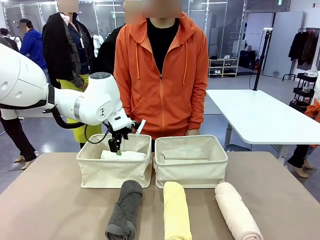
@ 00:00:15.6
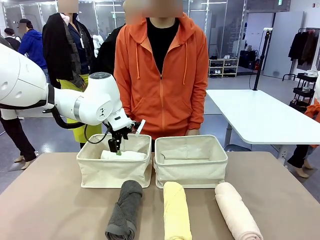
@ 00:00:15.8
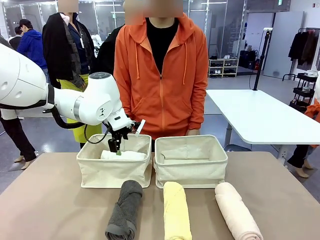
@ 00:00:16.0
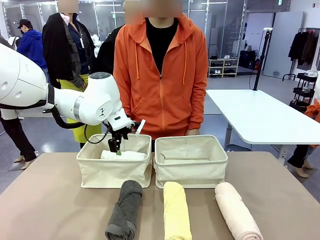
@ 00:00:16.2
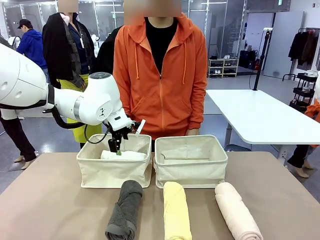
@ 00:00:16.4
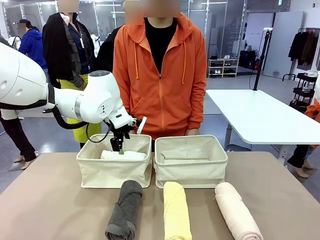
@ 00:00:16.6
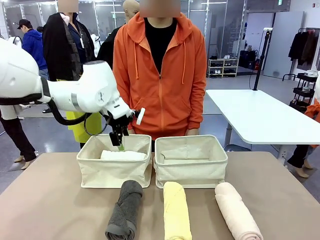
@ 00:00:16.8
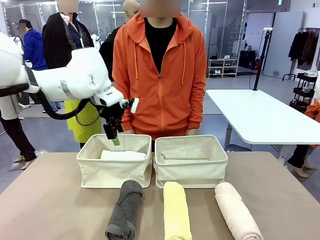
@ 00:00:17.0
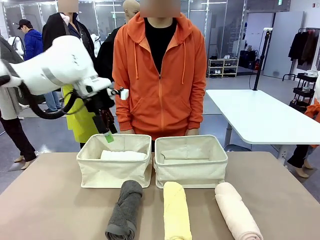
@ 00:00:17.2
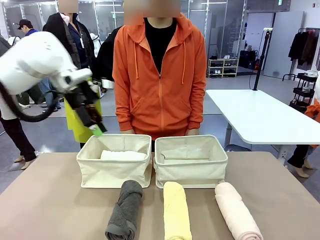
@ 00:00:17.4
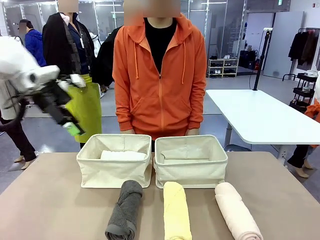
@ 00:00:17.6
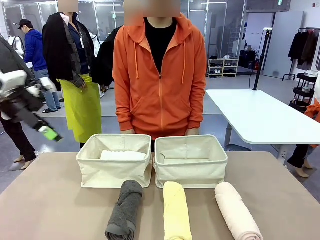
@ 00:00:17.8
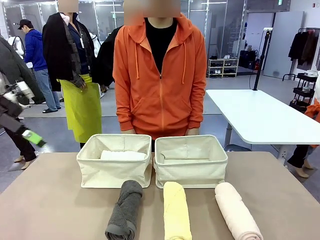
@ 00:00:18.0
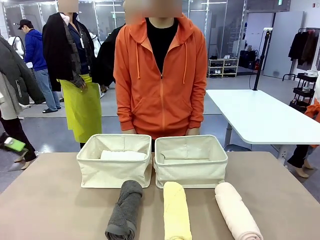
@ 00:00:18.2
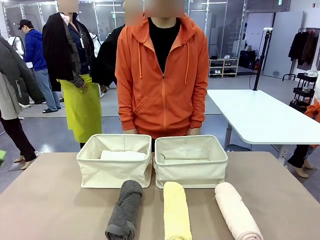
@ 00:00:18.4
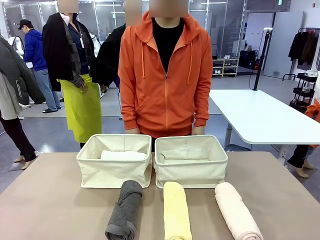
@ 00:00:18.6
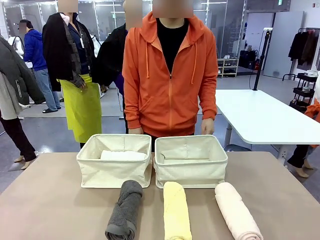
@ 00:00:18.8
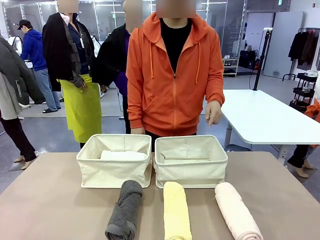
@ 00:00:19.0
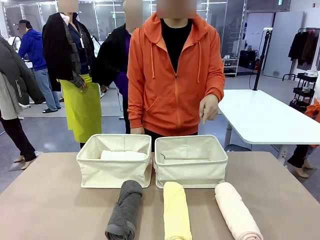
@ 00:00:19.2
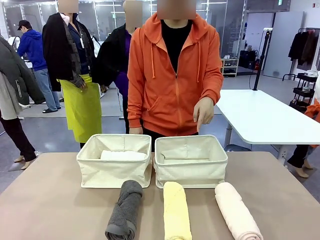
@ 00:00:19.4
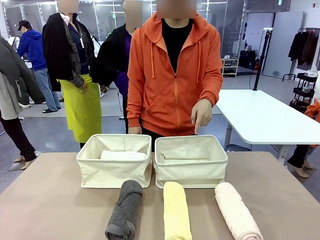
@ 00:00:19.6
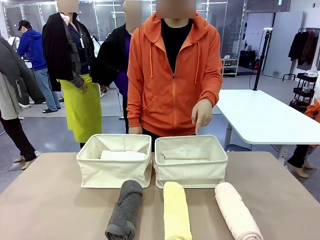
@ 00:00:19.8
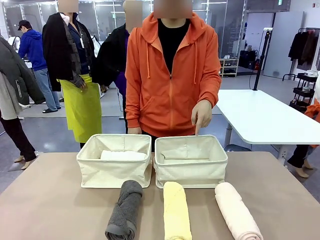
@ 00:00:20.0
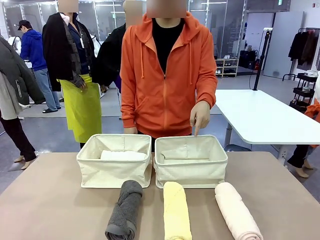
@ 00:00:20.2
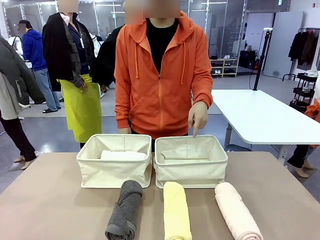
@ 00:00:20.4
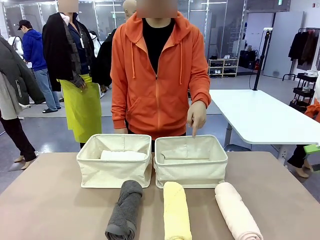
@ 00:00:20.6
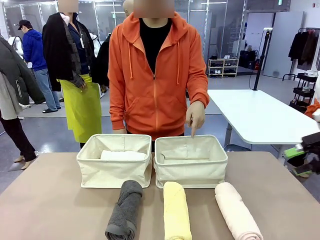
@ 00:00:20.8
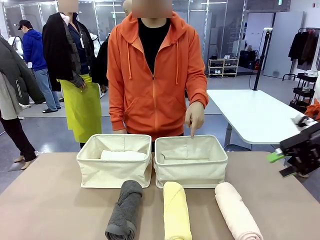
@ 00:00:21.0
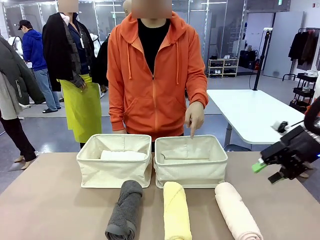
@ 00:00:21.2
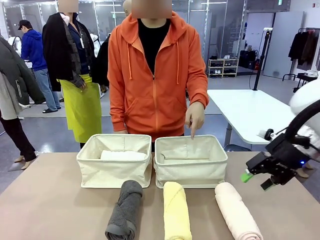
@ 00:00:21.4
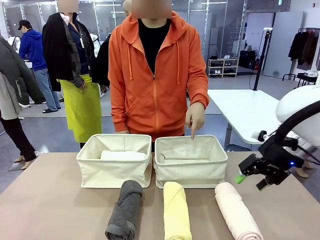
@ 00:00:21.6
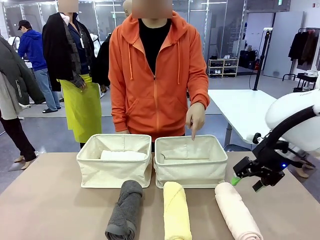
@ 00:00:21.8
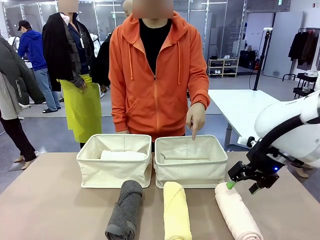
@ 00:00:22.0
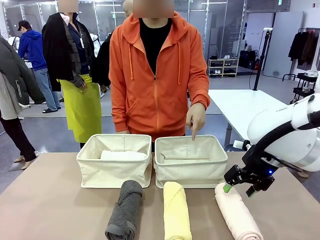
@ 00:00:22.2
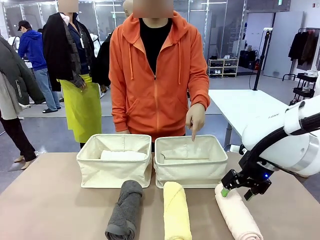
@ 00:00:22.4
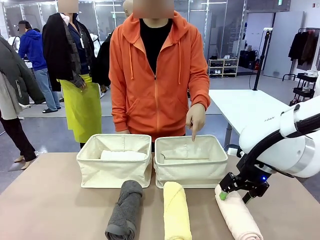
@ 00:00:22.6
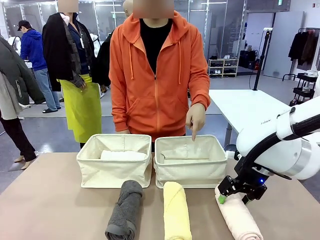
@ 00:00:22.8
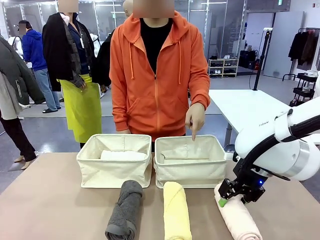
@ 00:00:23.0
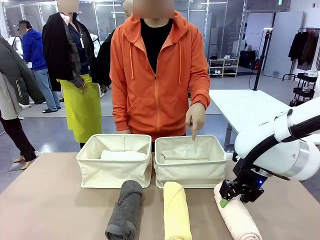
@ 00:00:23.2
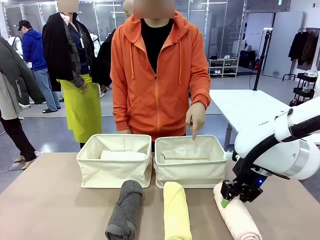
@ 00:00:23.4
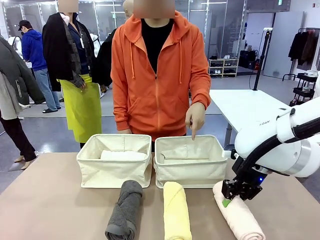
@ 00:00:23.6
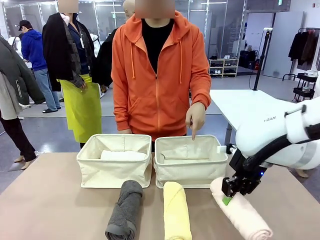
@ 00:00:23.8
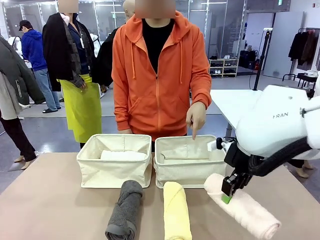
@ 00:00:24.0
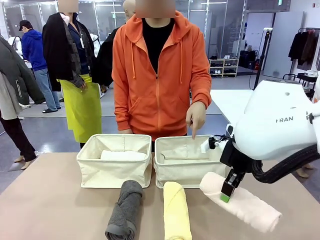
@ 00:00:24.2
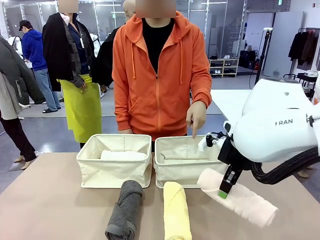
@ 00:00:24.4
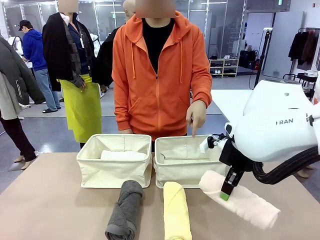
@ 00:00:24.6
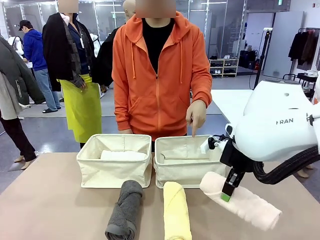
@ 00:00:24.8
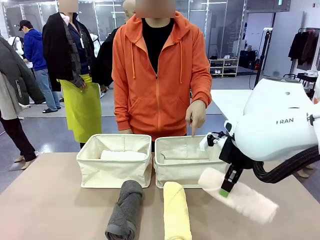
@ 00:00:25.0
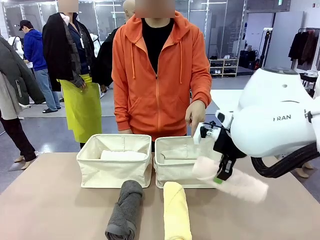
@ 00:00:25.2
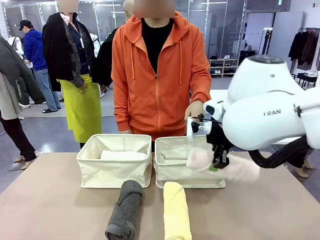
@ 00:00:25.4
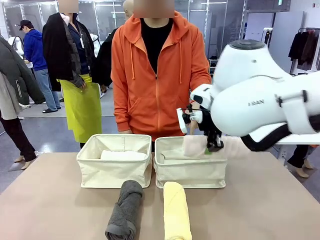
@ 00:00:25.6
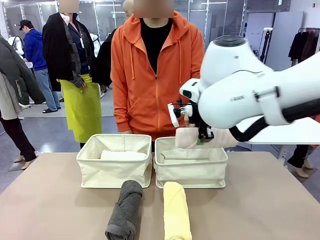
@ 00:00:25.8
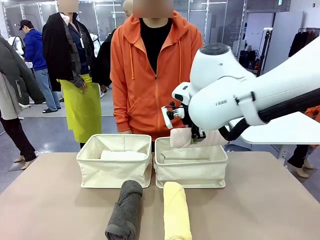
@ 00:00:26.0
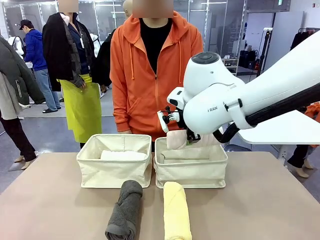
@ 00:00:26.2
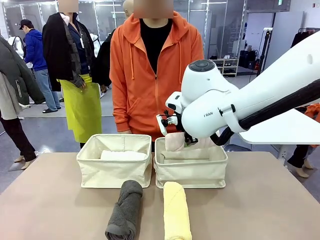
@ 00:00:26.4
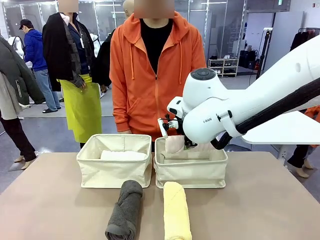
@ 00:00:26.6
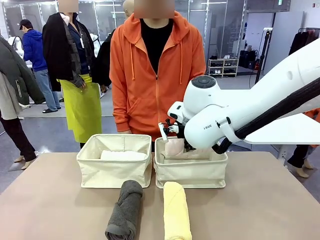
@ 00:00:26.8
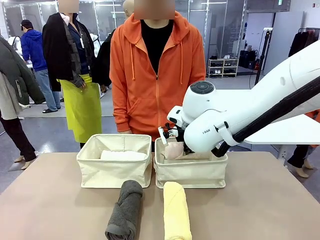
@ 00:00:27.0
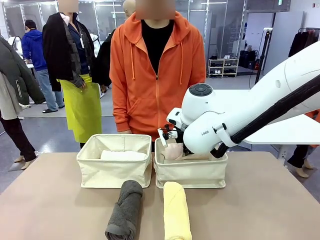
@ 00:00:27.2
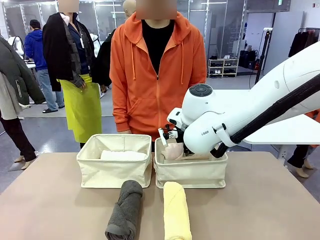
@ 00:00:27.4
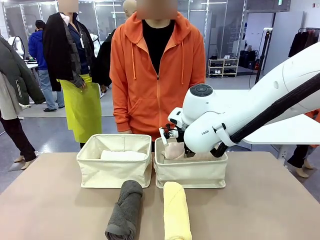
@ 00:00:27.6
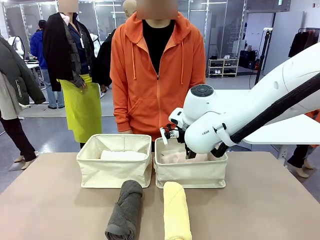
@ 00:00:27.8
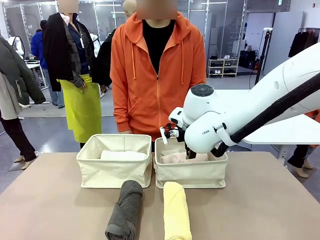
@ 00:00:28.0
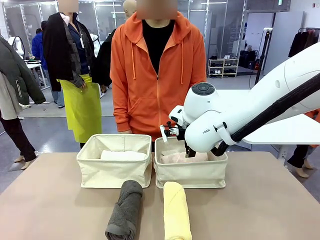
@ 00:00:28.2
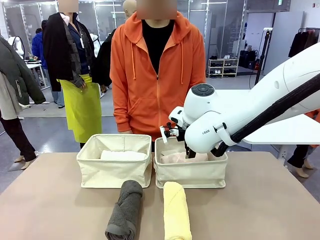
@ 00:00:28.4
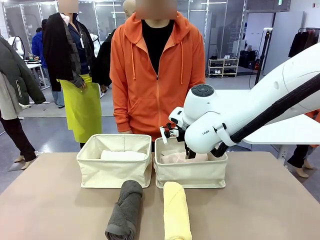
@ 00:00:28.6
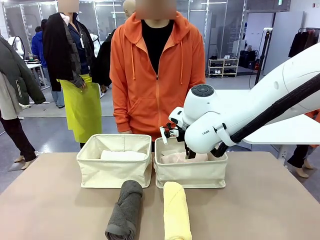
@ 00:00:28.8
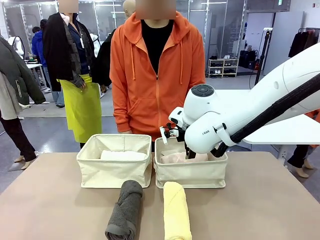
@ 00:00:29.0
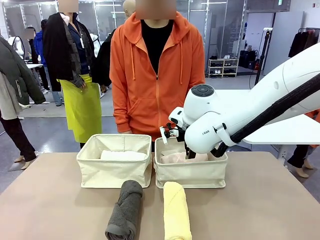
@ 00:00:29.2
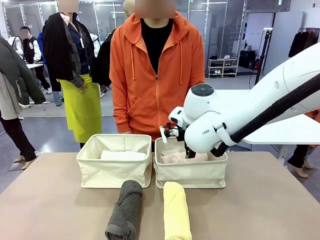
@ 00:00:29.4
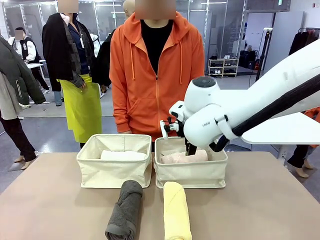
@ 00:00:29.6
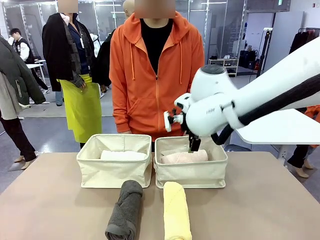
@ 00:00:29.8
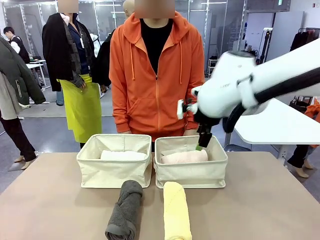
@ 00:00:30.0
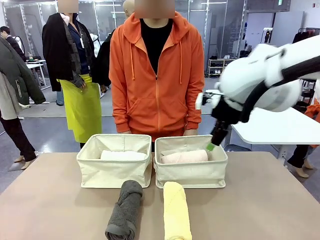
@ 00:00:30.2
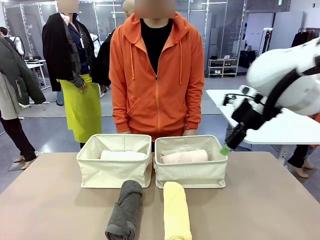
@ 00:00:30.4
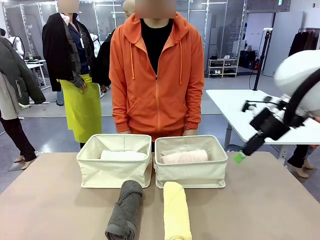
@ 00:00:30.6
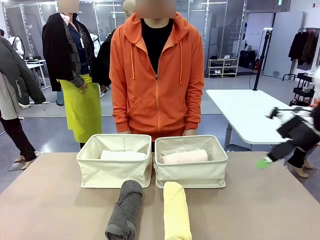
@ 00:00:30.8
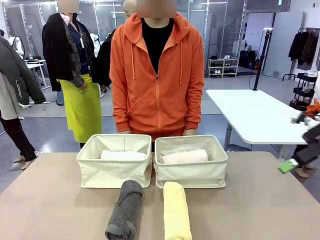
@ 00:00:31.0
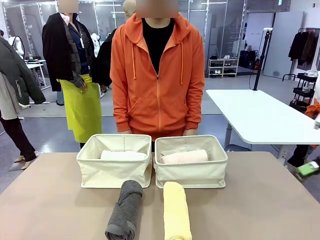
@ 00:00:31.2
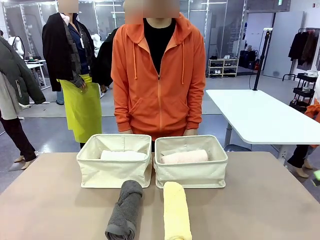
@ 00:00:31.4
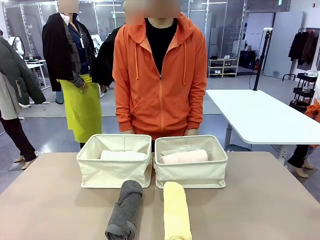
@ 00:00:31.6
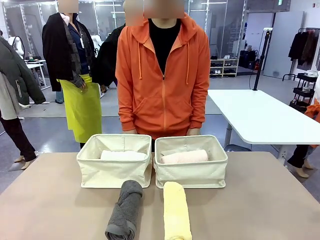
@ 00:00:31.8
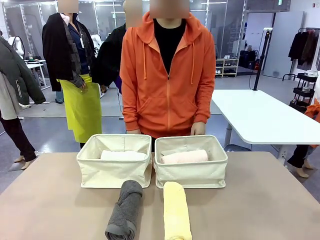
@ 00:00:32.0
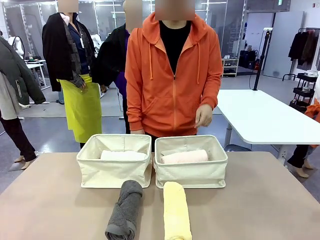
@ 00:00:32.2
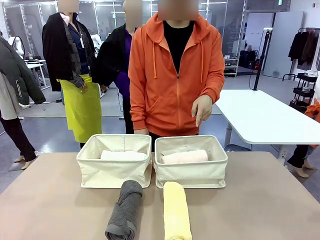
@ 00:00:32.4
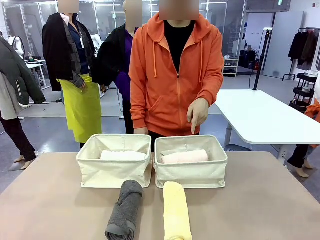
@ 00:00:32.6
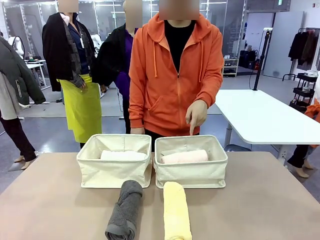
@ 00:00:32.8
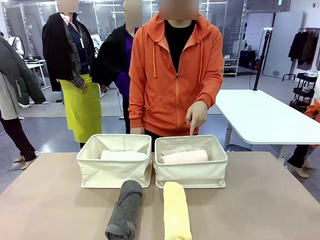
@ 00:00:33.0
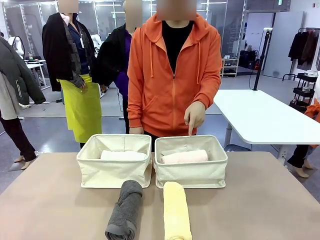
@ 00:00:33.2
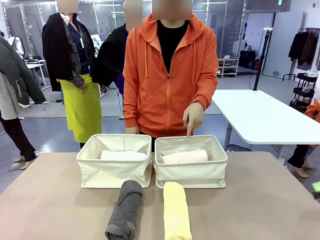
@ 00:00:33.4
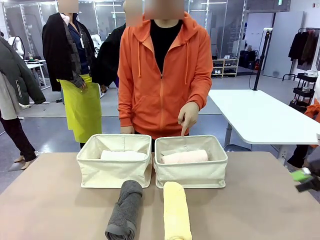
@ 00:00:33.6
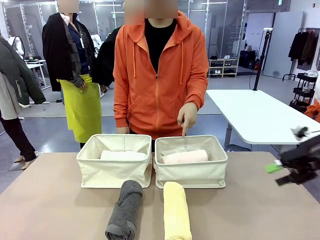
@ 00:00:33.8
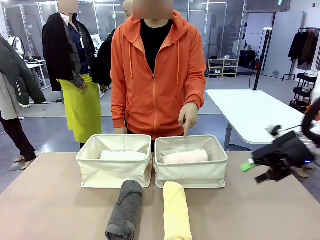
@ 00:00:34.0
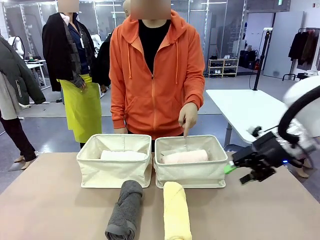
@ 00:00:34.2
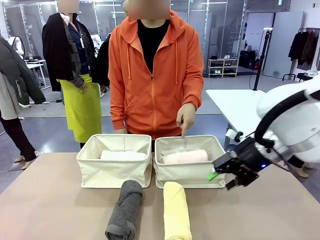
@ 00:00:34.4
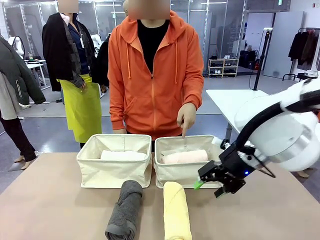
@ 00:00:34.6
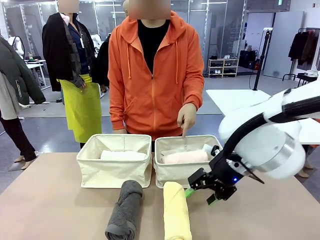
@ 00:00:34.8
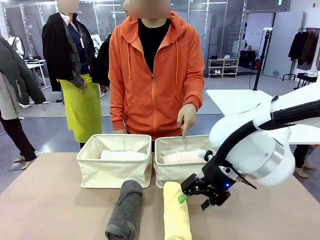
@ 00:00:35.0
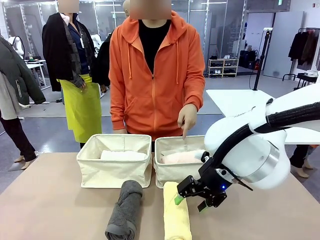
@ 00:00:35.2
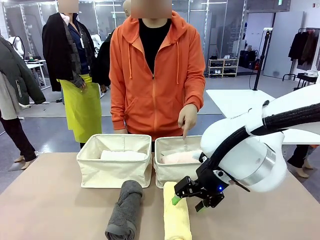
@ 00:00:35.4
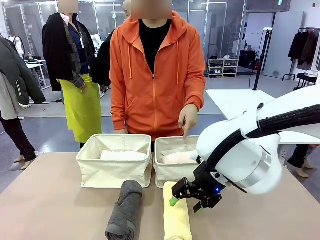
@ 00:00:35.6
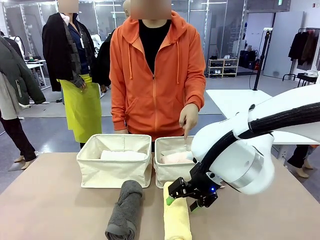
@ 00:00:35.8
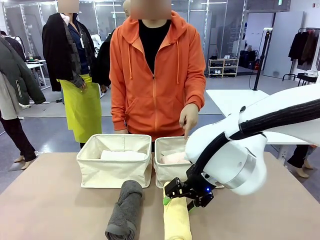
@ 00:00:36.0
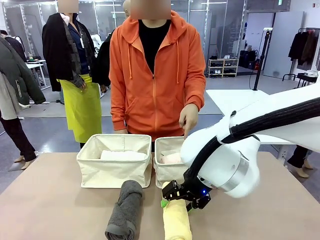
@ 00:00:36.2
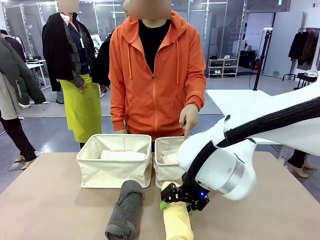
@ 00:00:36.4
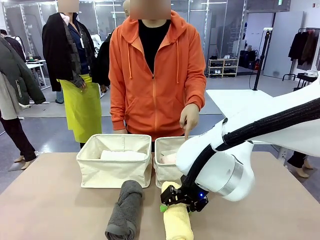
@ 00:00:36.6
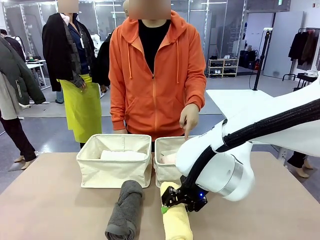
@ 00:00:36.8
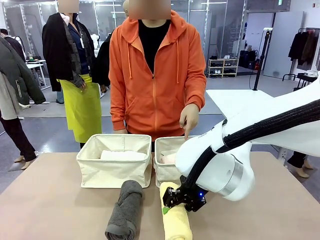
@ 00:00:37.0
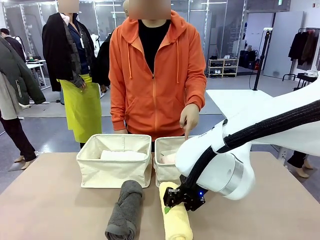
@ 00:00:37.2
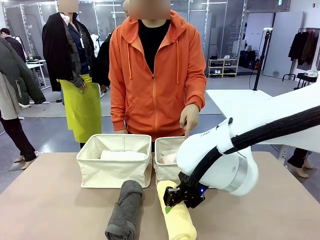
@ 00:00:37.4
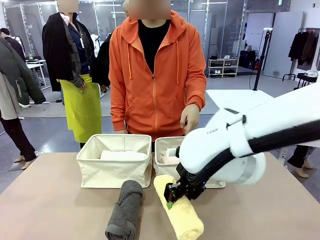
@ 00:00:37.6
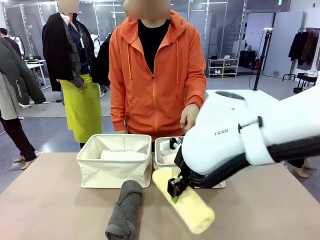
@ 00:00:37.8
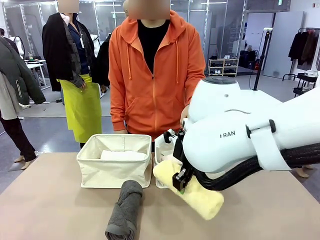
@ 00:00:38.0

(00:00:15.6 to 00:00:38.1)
Task: Divide the towels into two baskets.
Robot: Pick up one hotel-folded towel from the bottom of the table and place it in the Fabric basket indicated by the person.
